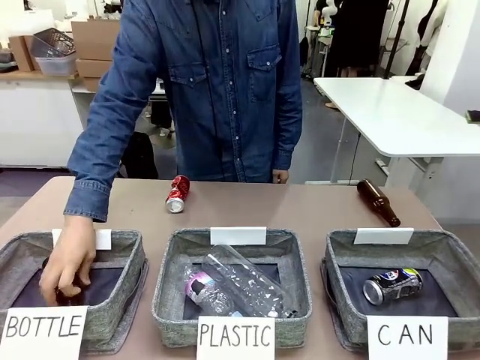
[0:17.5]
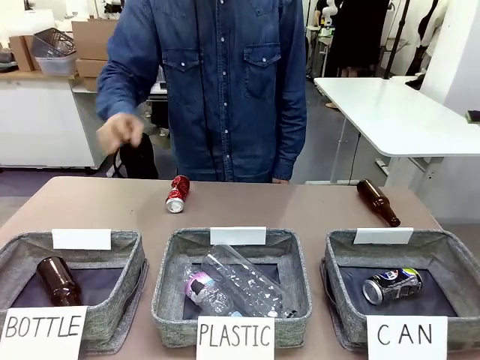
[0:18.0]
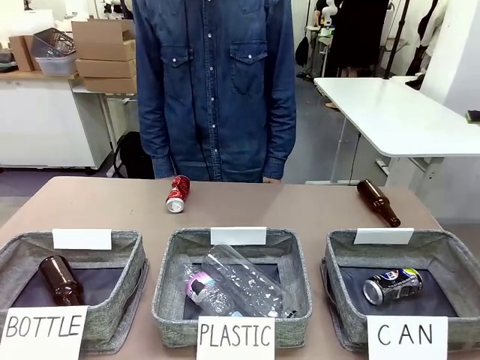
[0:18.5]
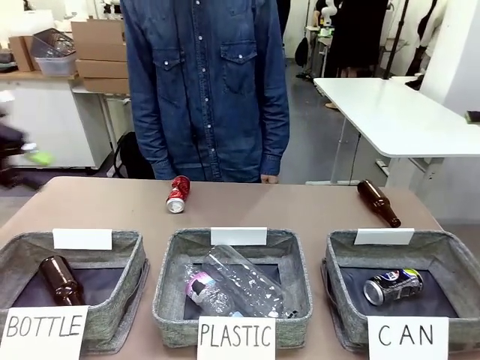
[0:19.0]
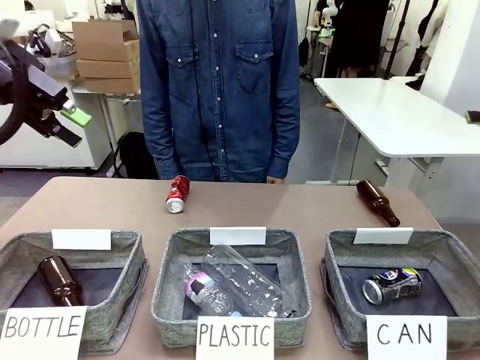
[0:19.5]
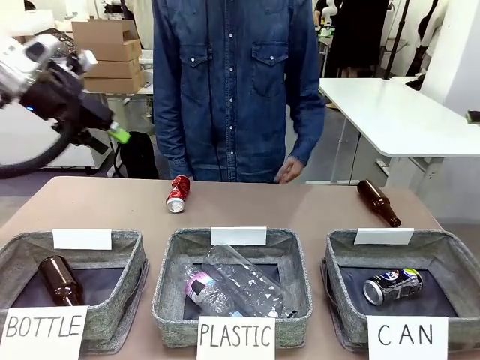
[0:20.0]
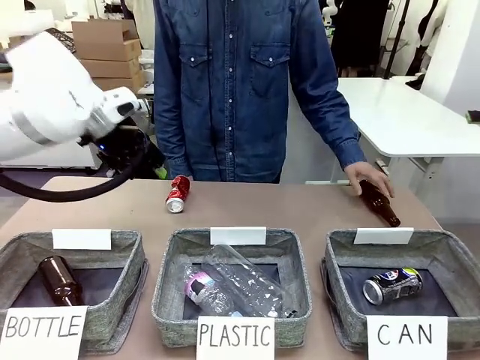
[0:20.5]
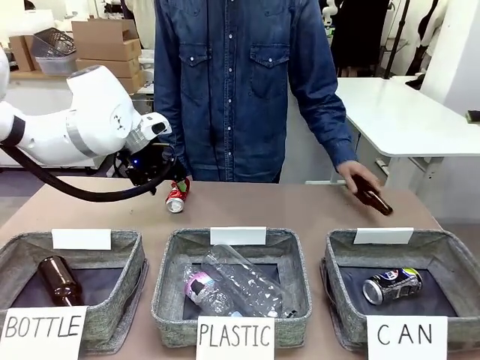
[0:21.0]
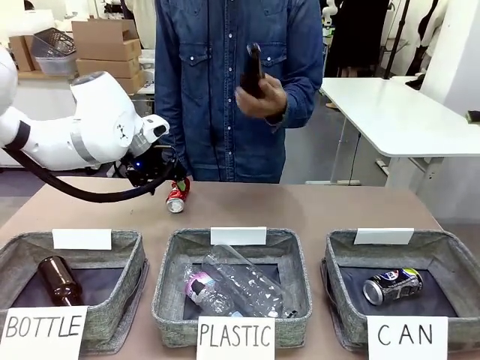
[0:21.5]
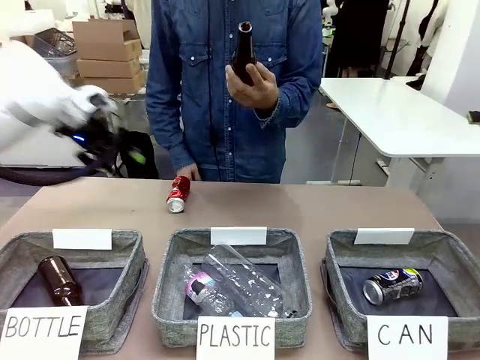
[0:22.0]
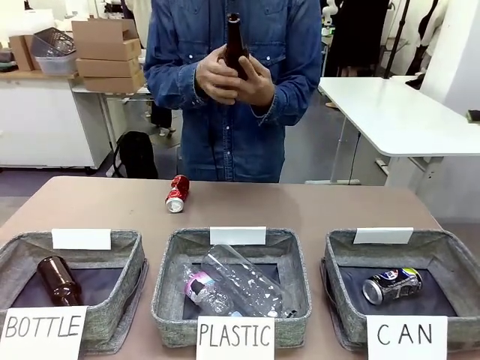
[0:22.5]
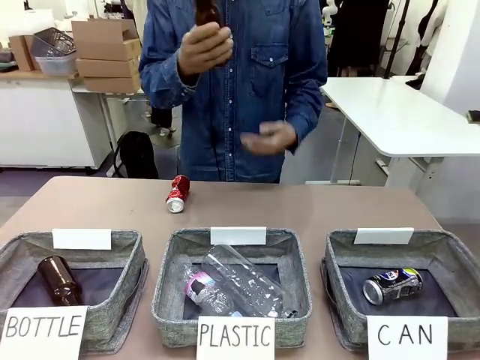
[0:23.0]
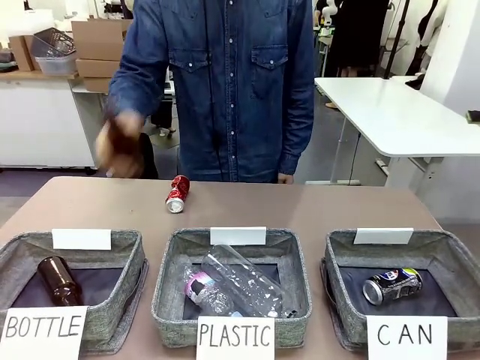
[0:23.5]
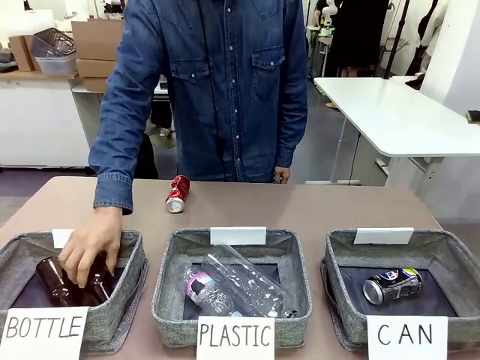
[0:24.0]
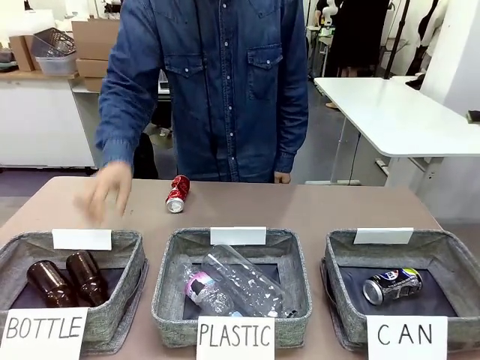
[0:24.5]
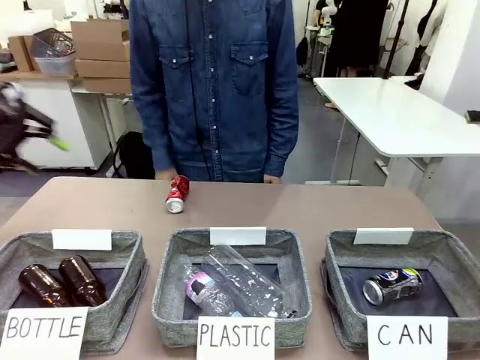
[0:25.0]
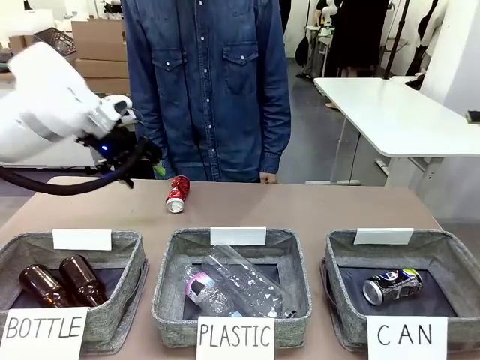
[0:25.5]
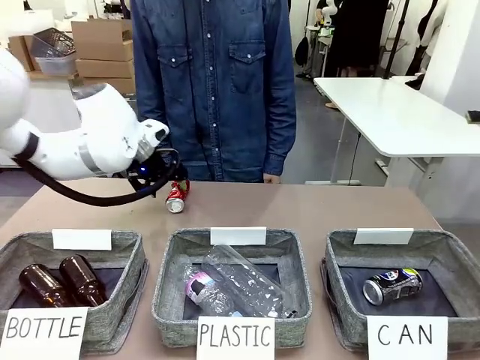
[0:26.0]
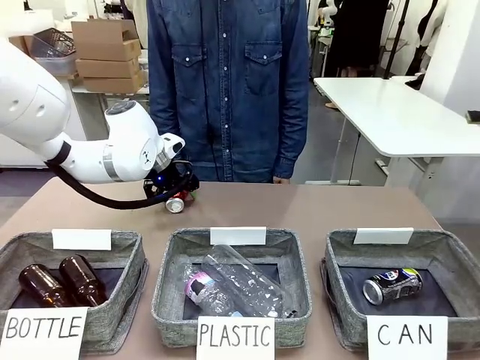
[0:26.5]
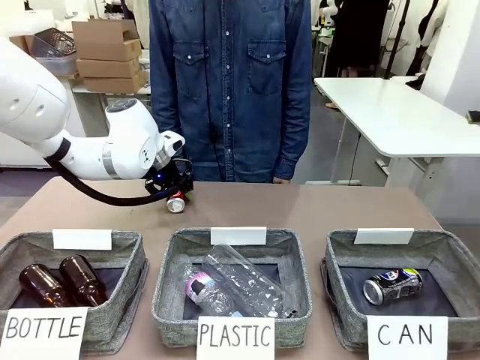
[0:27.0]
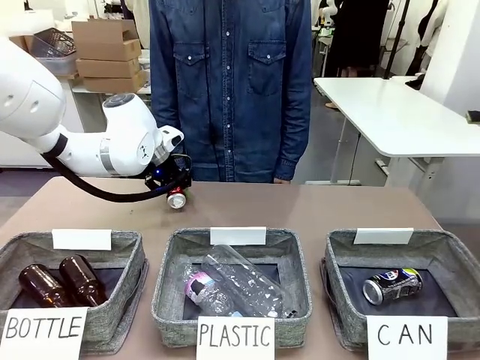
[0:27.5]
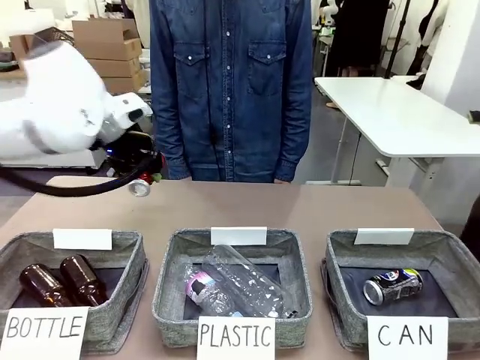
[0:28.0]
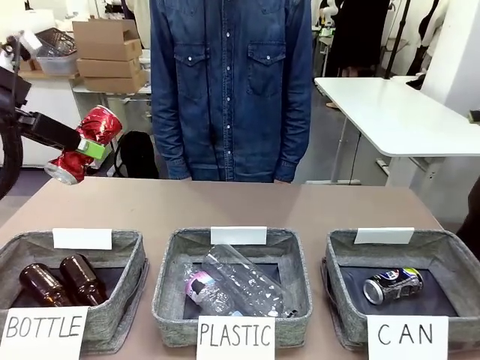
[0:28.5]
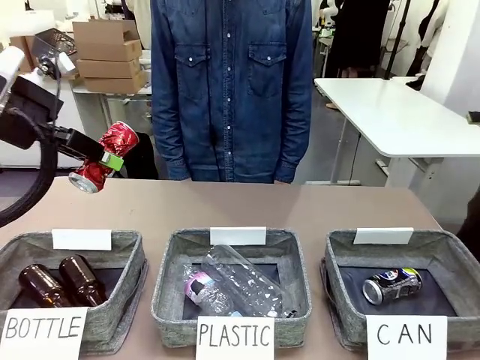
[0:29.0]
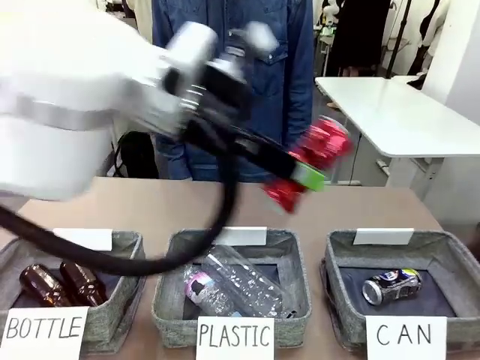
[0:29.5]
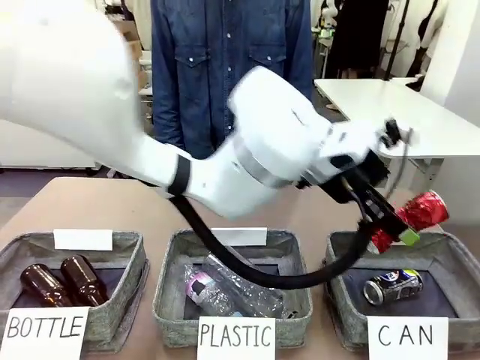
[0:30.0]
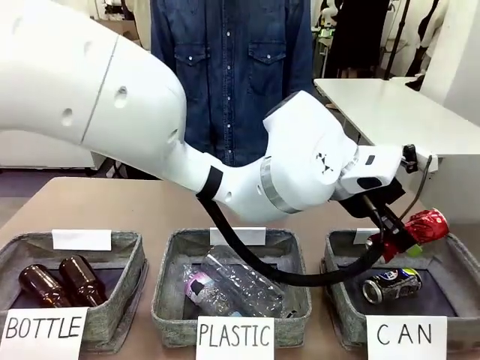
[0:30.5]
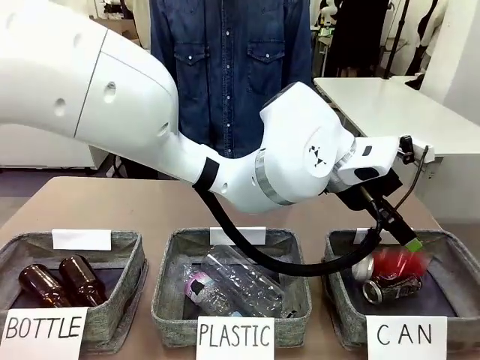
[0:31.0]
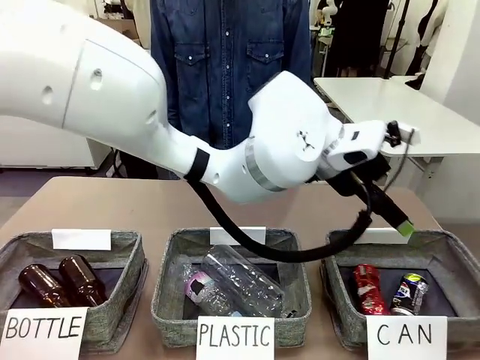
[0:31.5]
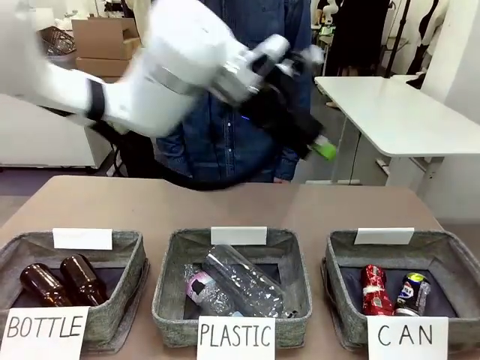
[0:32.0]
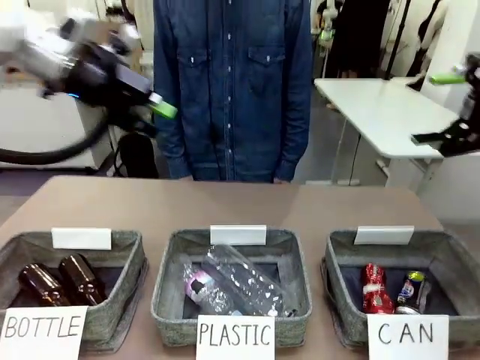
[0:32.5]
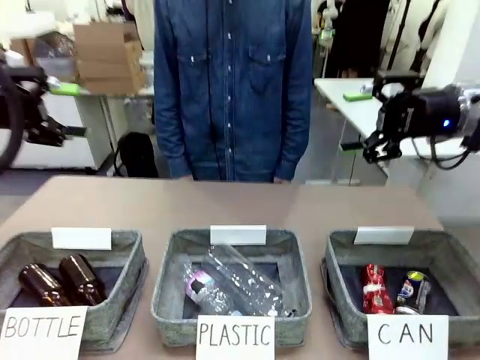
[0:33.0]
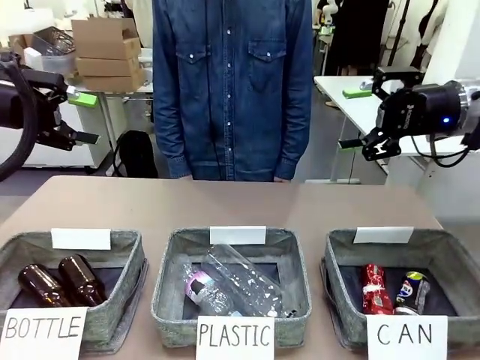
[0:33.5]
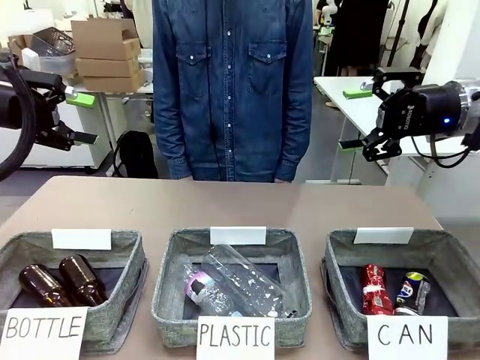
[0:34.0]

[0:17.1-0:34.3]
Task: Sort the can waste into the basket.
Robot: Pick up the can waste from the table and place it in the right Fabric basket.
Person: The human picks up one piece of trash that is not a can and places the trash into the appropriate organizing basket.

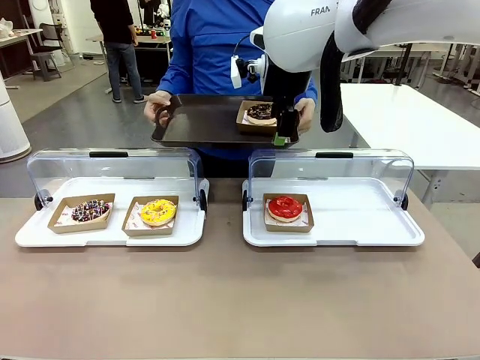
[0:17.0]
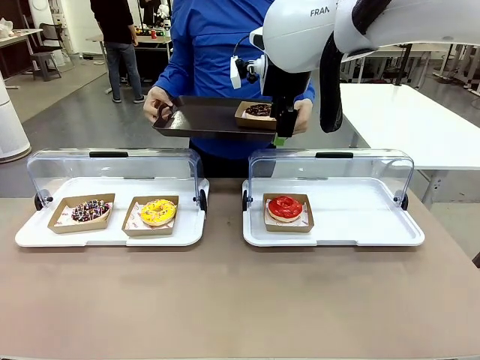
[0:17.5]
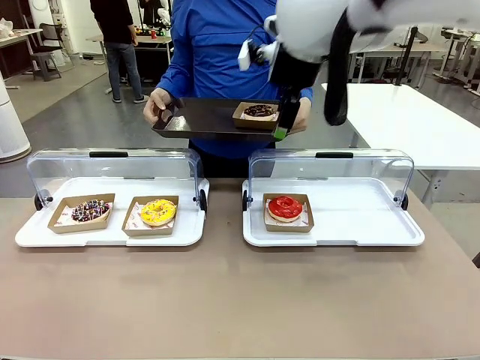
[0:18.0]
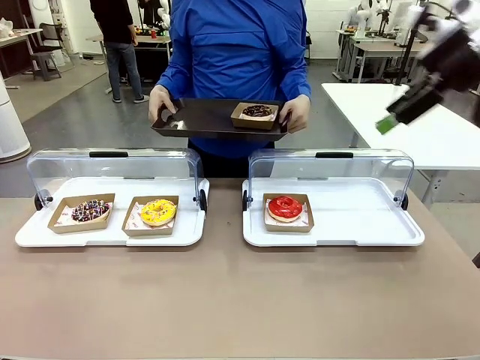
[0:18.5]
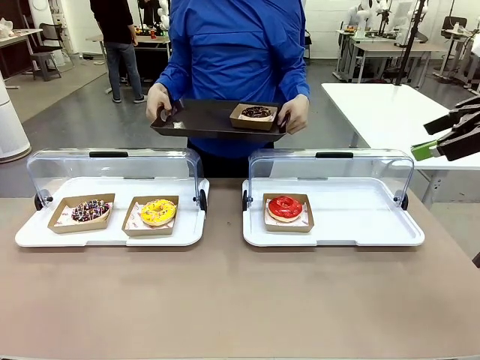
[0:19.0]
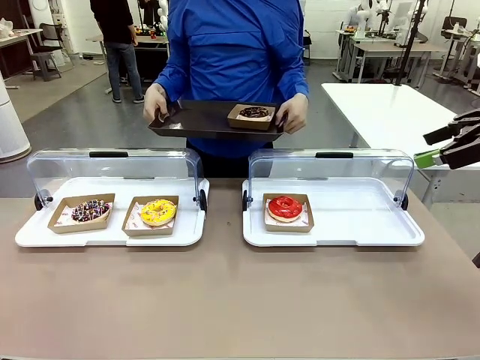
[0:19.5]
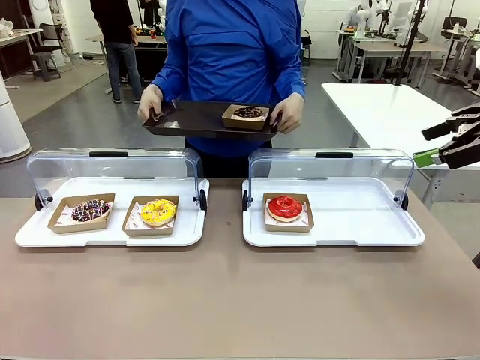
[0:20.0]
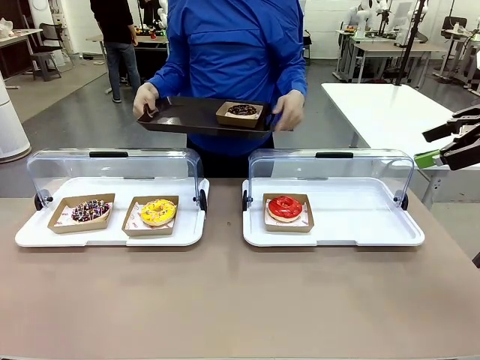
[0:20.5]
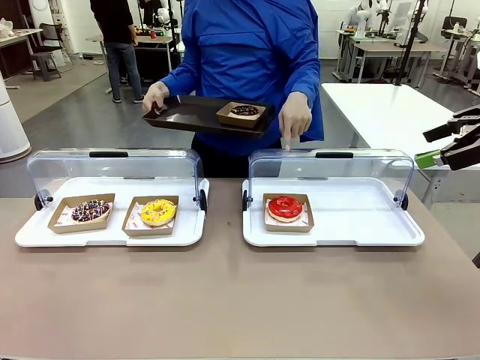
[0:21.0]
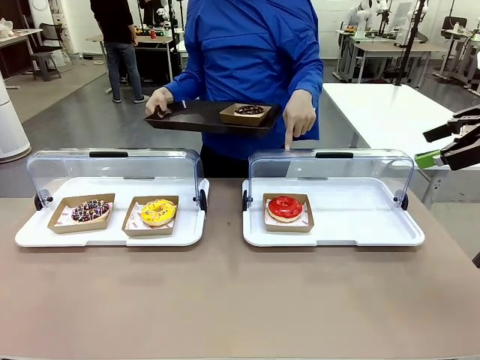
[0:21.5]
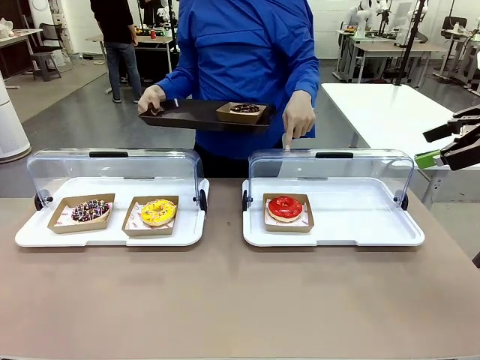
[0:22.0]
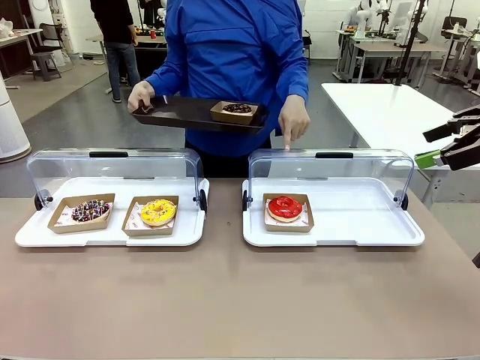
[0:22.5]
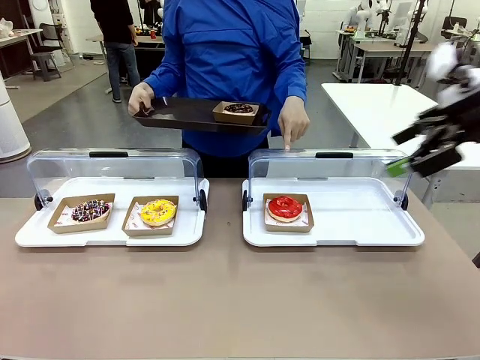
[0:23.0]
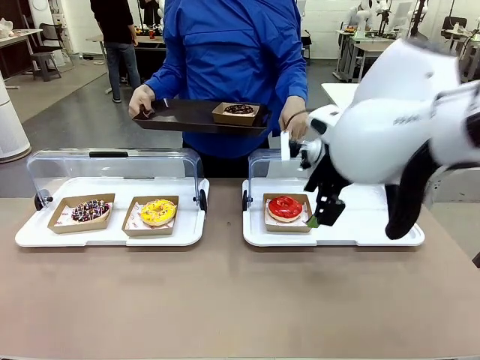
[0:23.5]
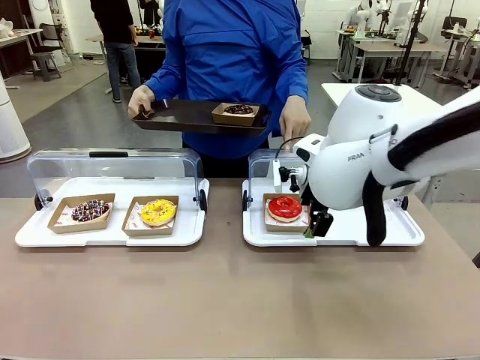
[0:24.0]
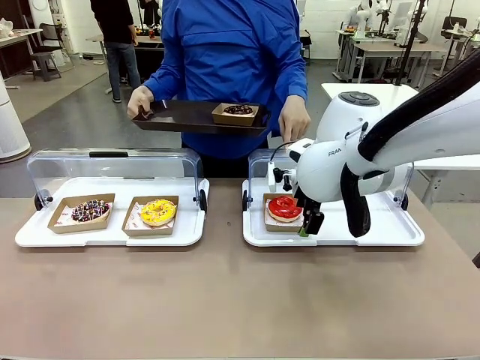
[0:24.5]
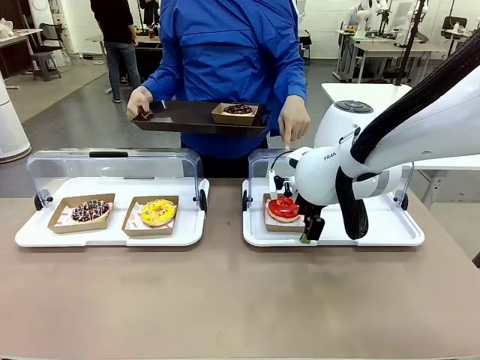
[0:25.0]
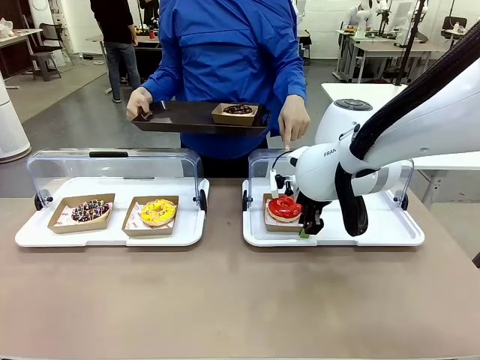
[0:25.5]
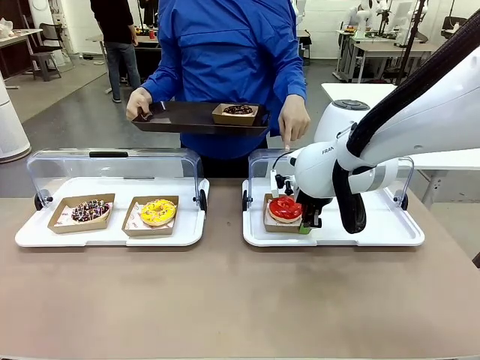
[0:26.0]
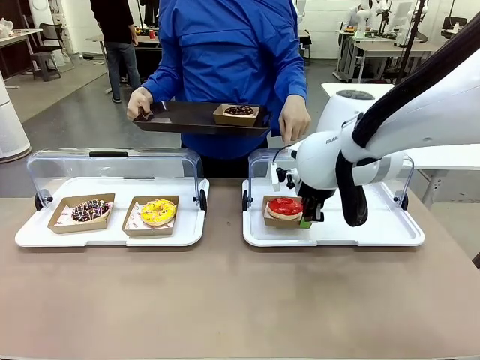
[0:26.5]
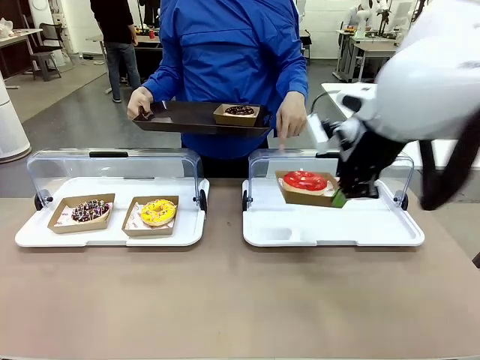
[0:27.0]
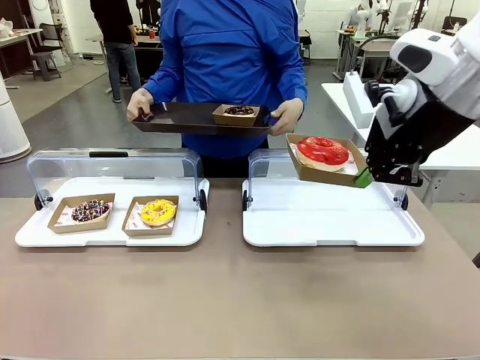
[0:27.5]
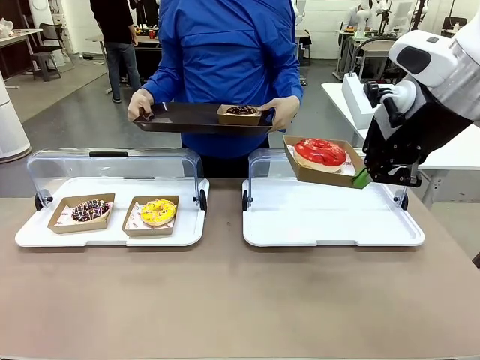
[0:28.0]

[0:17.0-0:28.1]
Task: Provide the desired donut to the person.
Robot: Pick up and lift the Paper togo box containing the Donut pointed at by the person.
Person: Lift the tray onto the Roll-Top Bakery Case.
